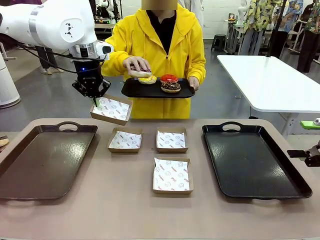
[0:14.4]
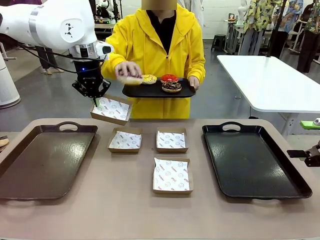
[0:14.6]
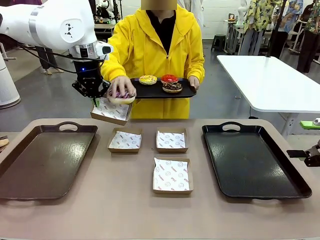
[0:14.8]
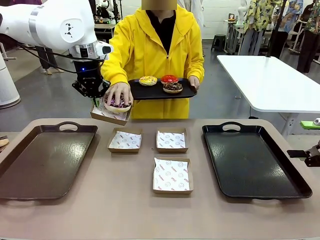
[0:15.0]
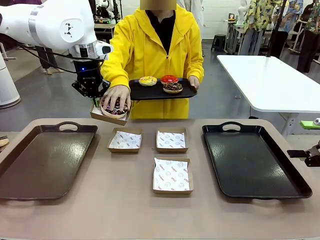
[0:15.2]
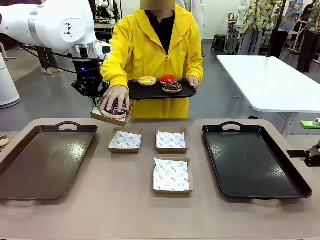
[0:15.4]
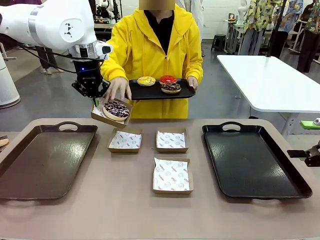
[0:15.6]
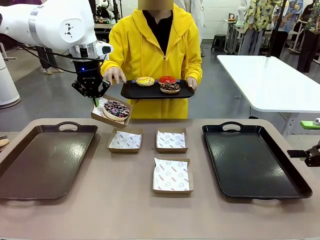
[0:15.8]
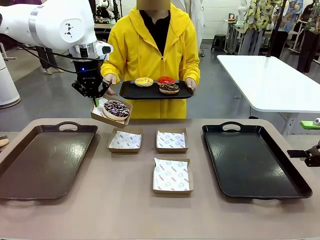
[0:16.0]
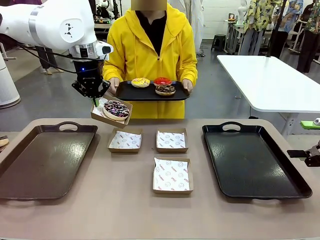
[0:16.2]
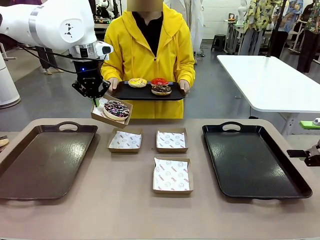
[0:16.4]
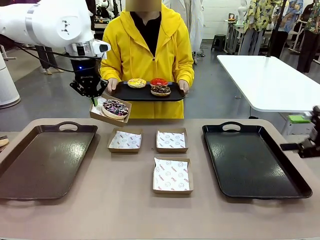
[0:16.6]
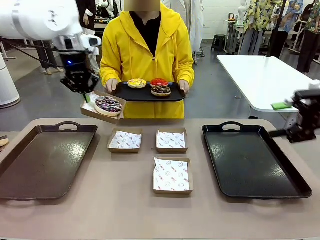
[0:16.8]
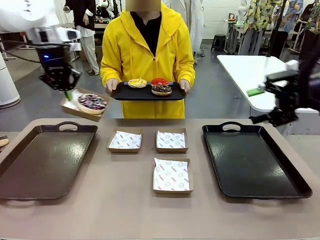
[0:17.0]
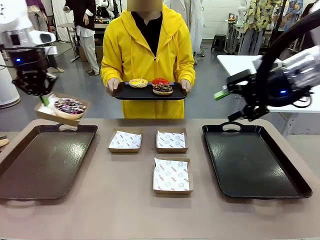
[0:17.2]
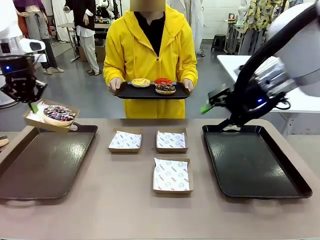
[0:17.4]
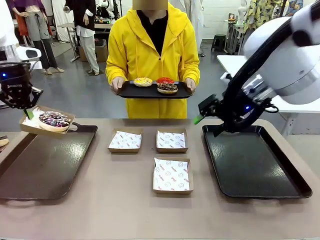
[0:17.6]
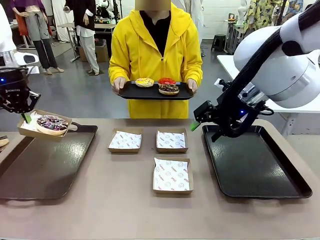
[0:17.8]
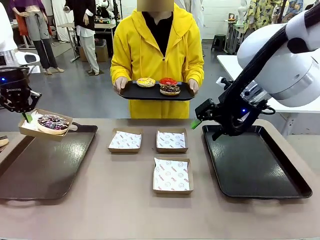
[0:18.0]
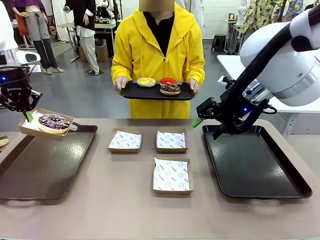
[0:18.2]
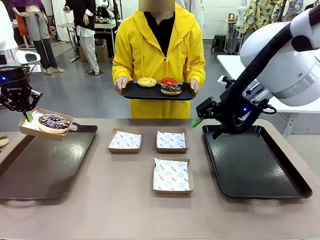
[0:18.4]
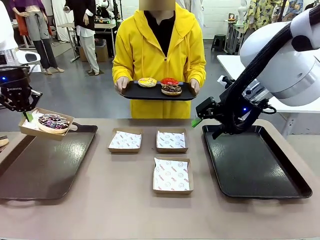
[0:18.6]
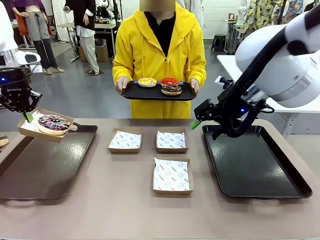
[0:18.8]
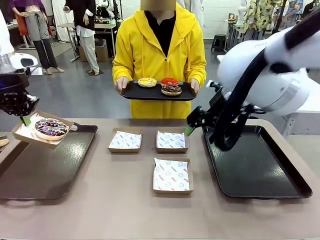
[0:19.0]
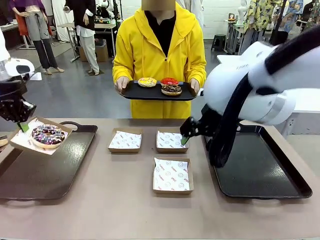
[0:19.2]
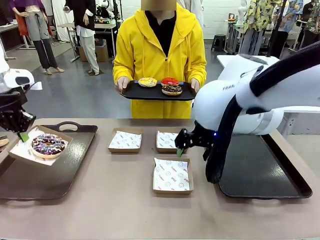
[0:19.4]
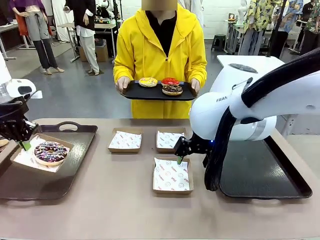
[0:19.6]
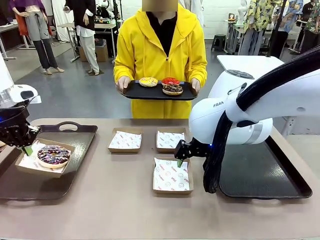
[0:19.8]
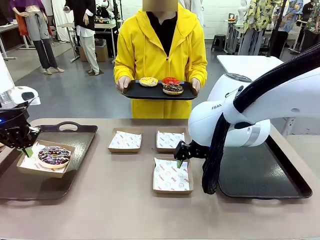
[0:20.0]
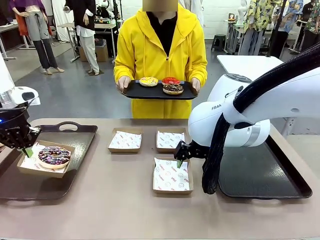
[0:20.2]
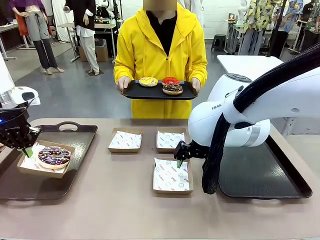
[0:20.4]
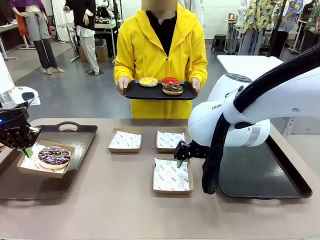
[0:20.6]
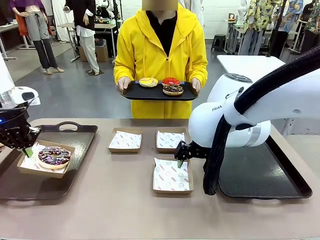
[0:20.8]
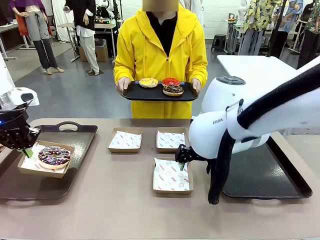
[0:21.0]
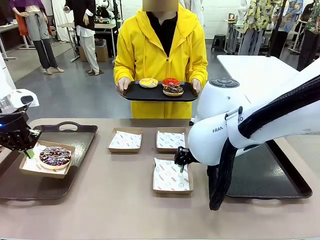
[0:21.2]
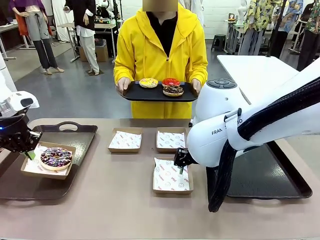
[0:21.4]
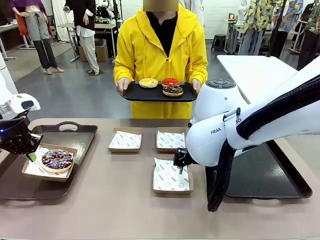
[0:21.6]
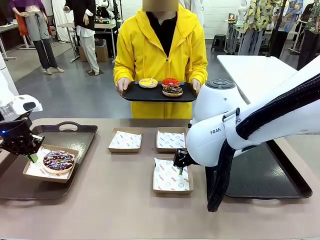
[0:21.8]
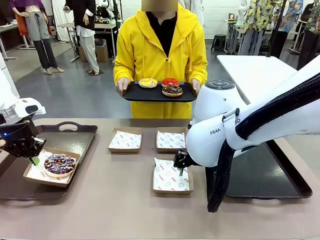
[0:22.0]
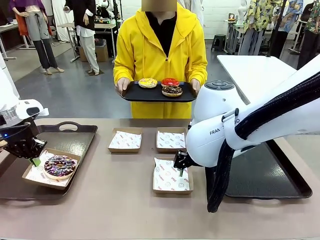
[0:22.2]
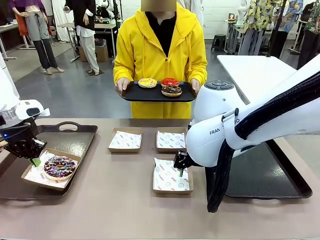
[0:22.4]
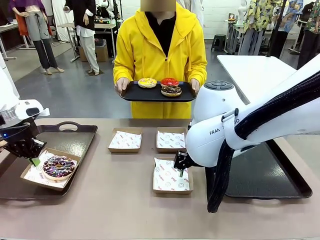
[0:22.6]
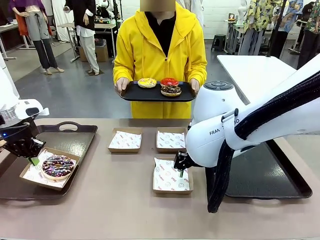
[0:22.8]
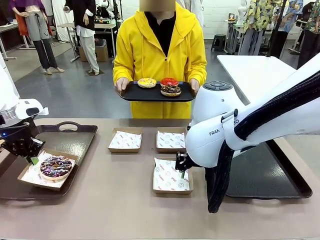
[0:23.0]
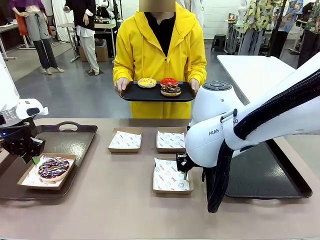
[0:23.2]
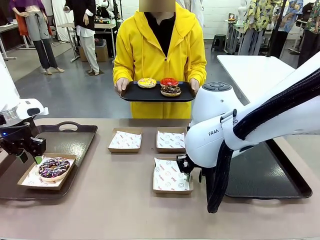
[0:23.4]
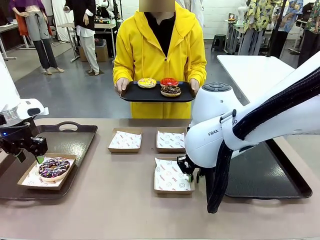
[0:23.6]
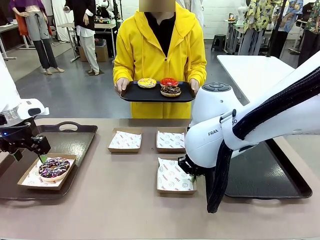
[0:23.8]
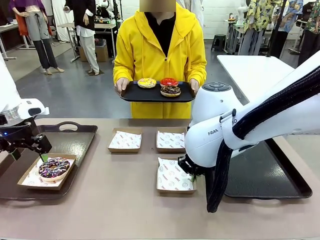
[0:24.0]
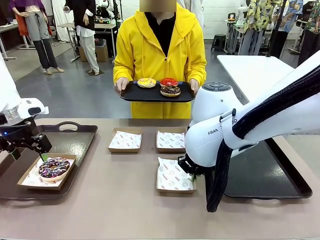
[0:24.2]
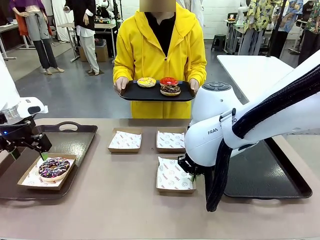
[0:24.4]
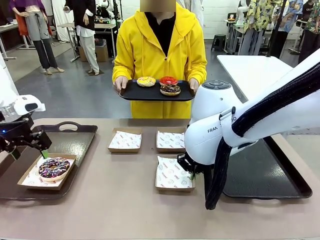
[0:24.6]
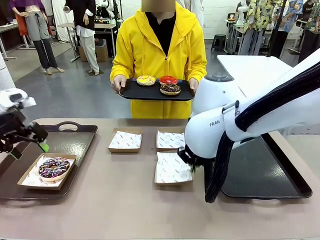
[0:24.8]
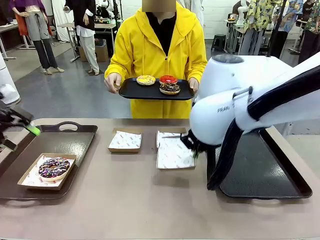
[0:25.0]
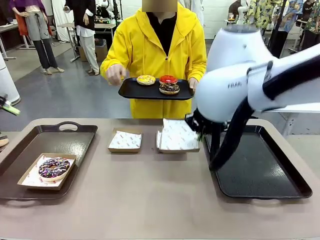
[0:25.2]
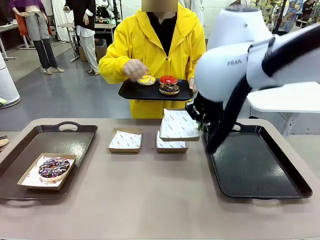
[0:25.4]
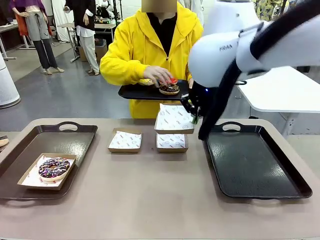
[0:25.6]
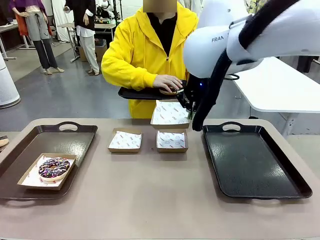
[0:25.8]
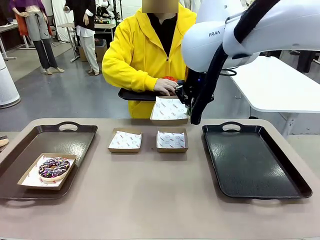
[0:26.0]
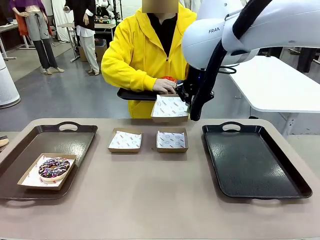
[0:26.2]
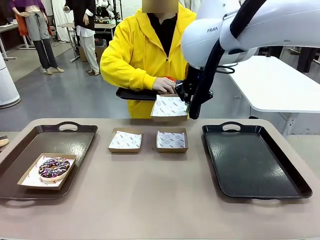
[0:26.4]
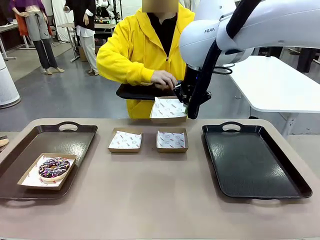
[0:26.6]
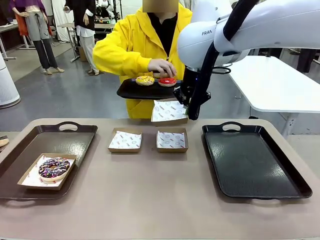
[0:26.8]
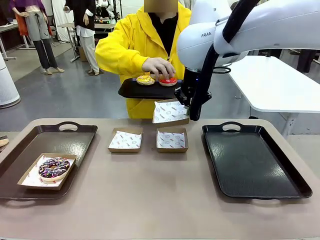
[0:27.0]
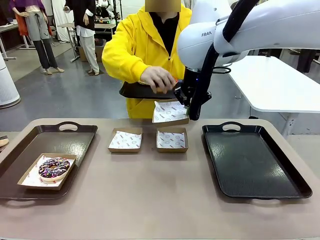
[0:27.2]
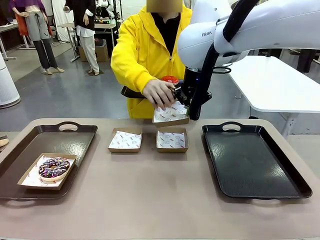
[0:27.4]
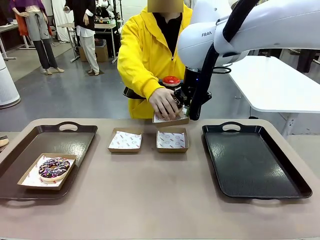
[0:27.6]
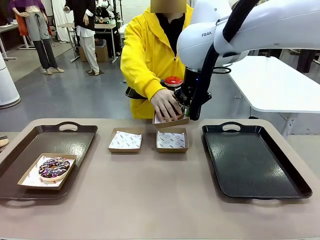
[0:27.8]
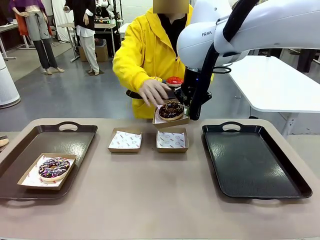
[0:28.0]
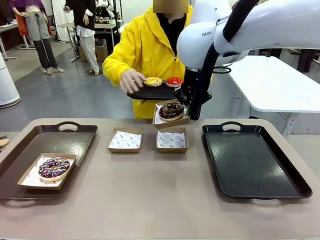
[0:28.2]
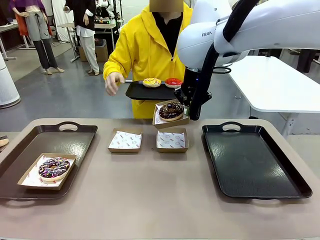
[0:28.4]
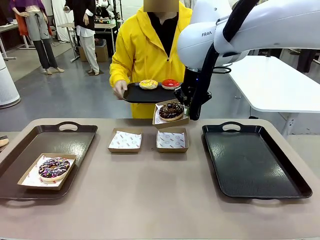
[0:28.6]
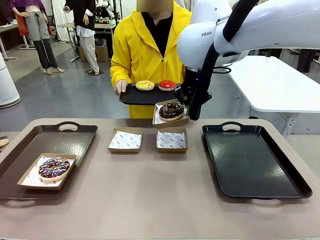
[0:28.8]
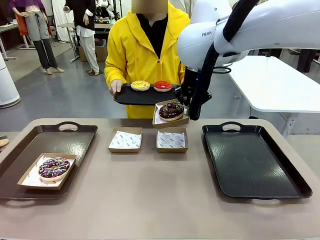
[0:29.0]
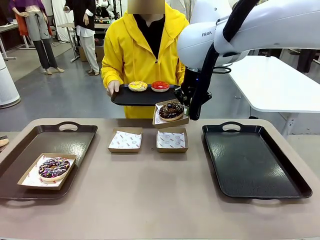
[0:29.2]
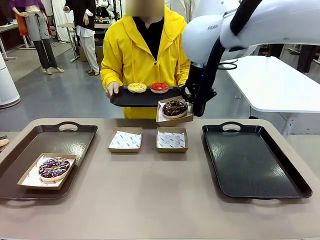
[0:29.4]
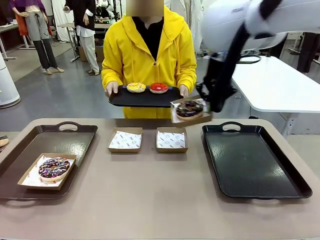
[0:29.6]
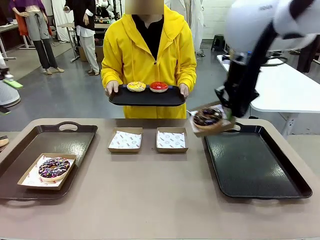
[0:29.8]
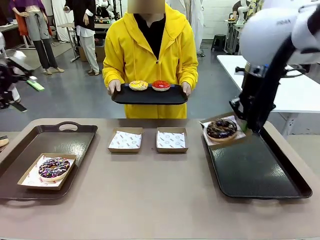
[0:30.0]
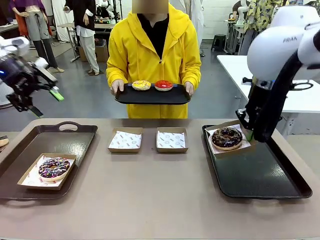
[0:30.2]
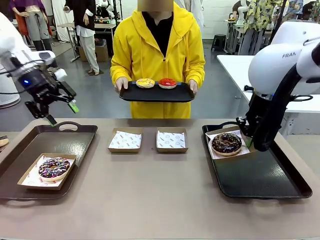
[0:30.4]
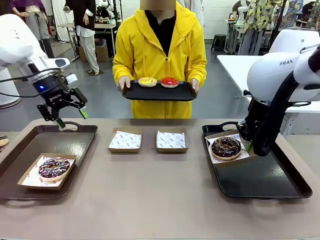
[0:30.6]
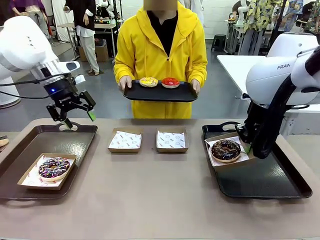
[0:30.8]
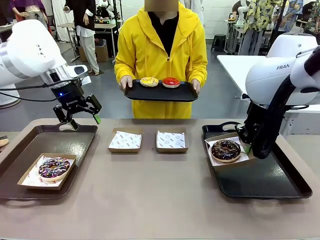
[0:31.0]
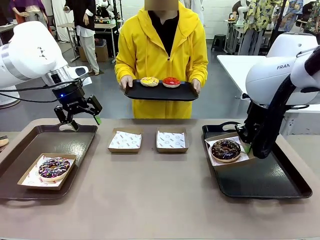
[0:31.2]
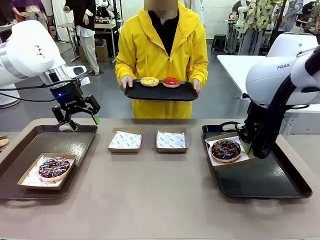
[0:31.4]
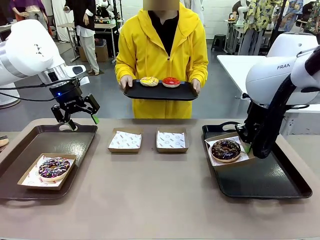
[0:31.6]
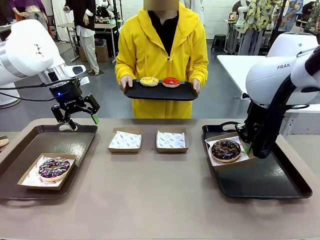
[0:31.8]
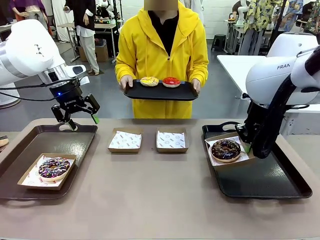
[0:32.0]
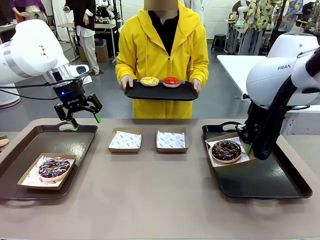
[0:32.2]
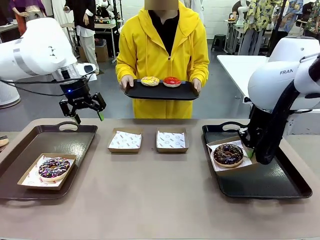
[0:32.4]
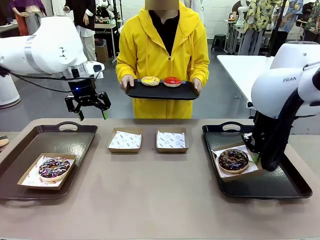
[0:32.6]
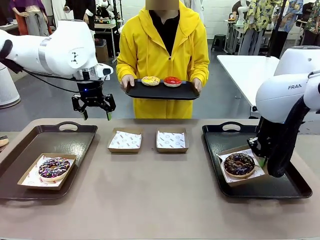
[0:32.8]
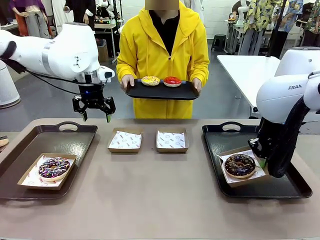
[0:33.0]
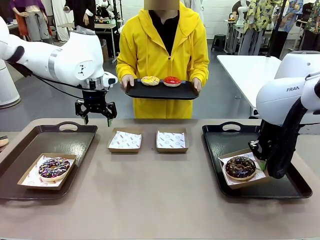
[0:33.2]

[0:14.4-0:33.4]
Task: Individually package the donuts and arrange them on the tray.
Robot: Place the picked Paper togo box on the Handle tray while simultaneously picking up another Paper togo box from the table with the other hand.
